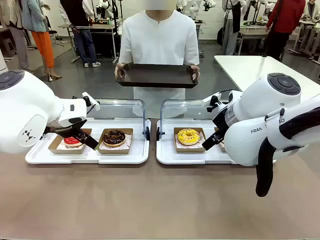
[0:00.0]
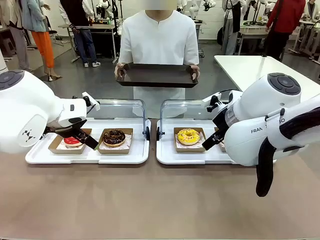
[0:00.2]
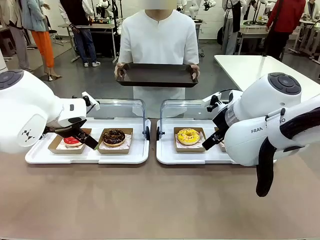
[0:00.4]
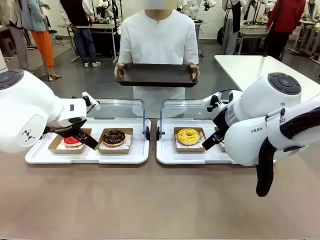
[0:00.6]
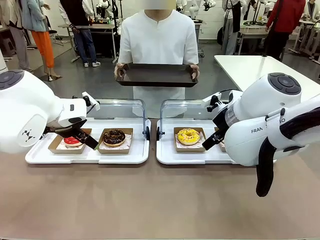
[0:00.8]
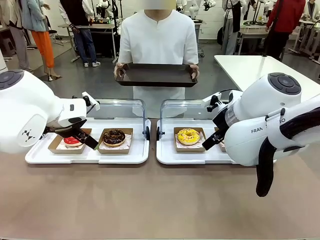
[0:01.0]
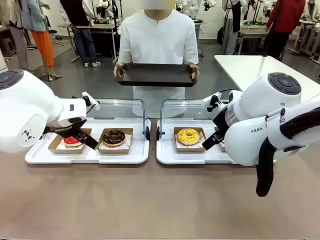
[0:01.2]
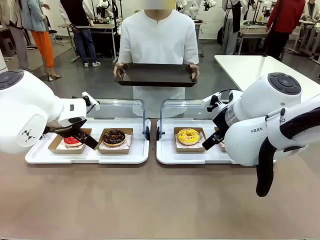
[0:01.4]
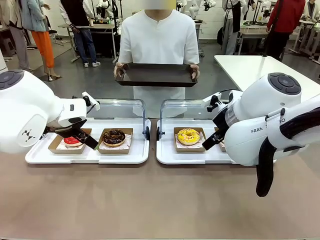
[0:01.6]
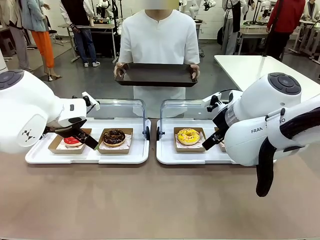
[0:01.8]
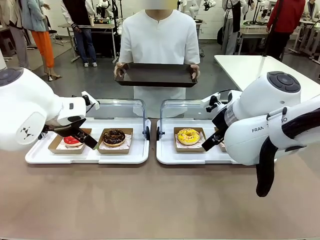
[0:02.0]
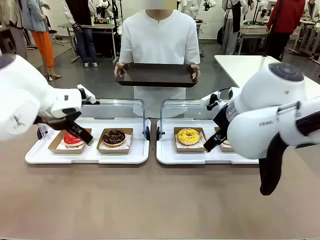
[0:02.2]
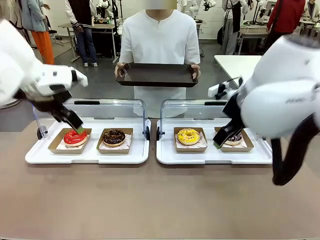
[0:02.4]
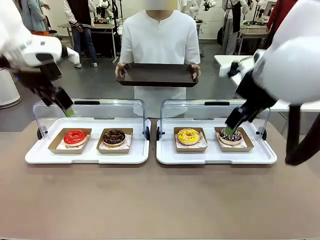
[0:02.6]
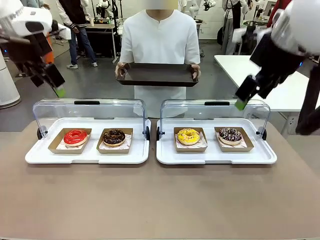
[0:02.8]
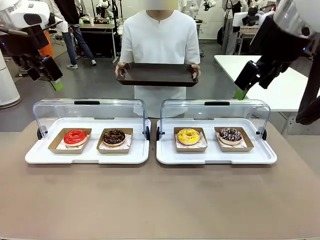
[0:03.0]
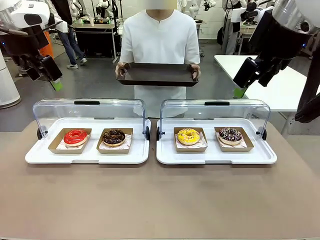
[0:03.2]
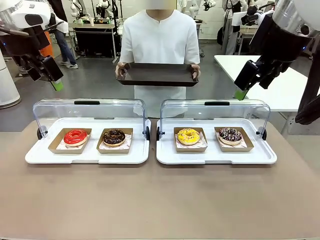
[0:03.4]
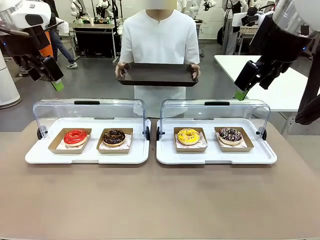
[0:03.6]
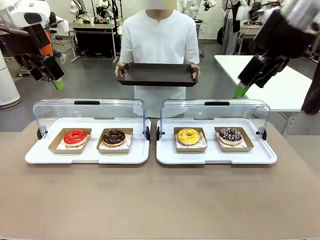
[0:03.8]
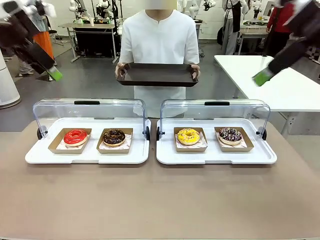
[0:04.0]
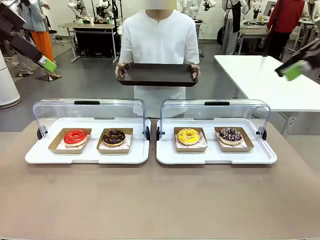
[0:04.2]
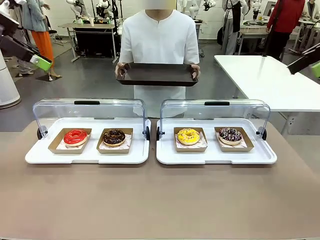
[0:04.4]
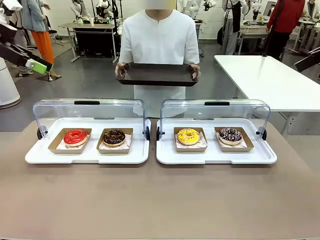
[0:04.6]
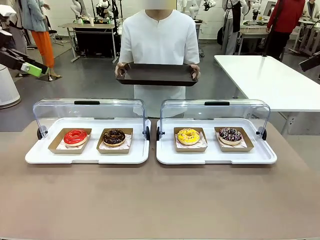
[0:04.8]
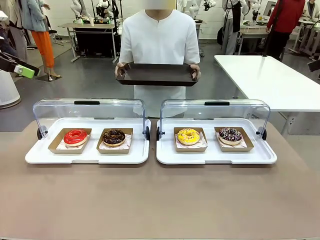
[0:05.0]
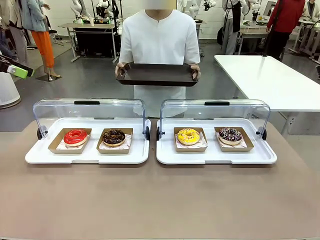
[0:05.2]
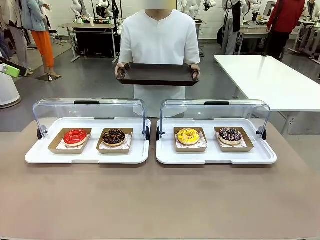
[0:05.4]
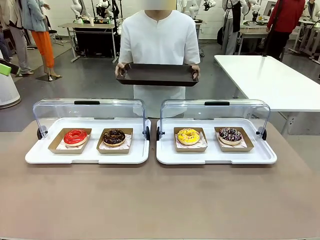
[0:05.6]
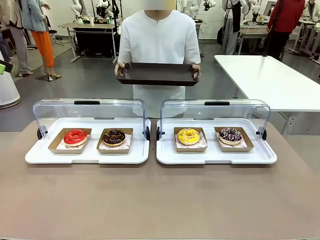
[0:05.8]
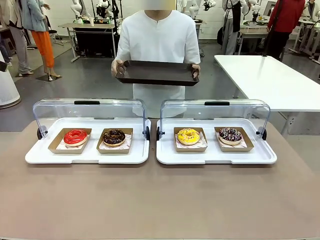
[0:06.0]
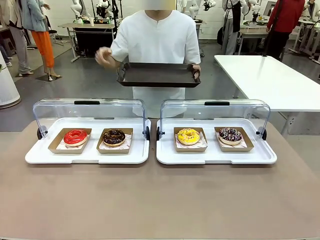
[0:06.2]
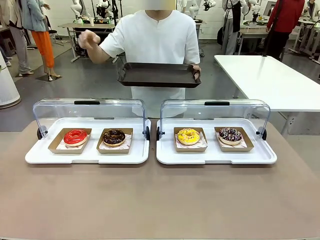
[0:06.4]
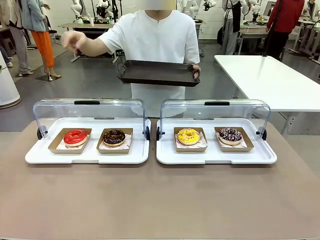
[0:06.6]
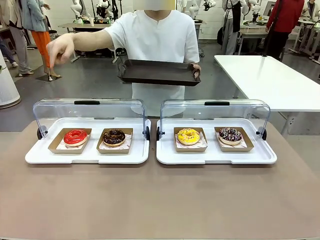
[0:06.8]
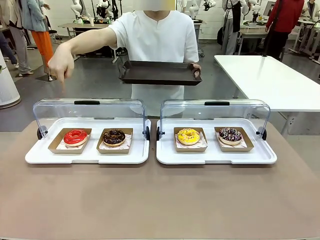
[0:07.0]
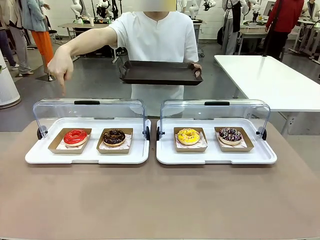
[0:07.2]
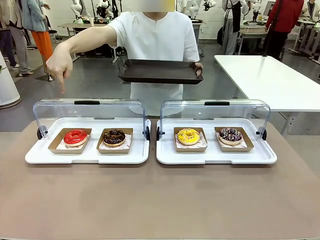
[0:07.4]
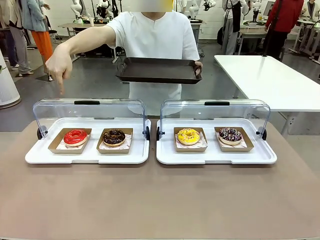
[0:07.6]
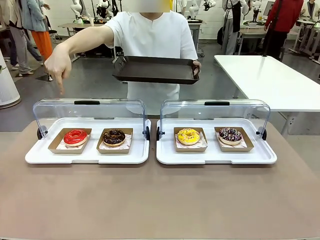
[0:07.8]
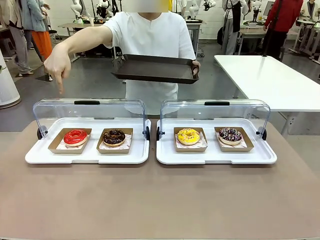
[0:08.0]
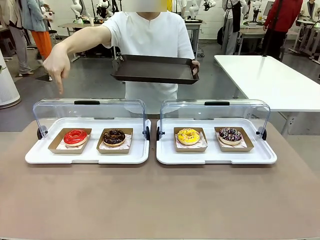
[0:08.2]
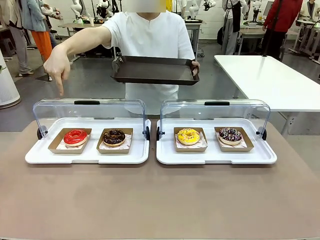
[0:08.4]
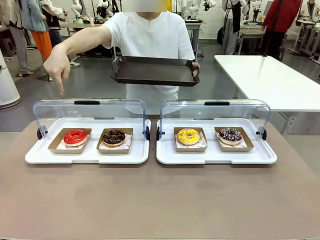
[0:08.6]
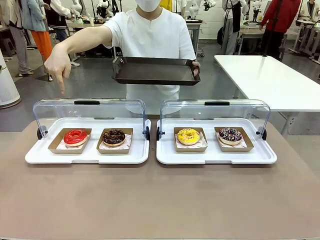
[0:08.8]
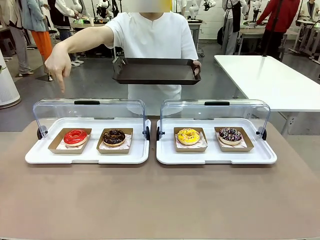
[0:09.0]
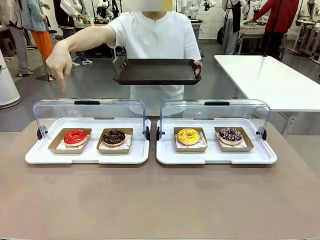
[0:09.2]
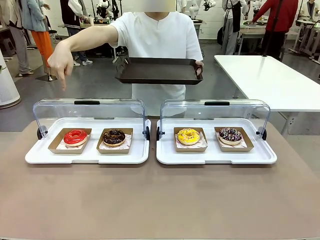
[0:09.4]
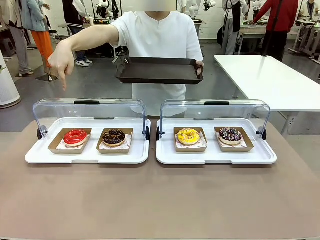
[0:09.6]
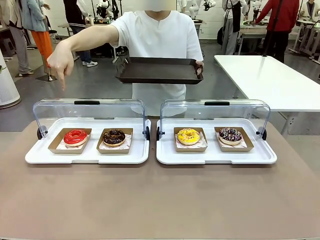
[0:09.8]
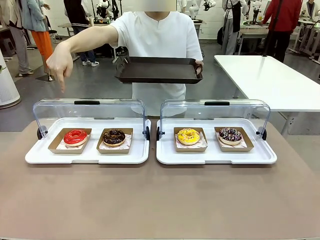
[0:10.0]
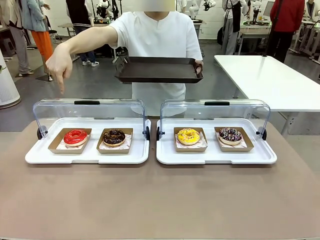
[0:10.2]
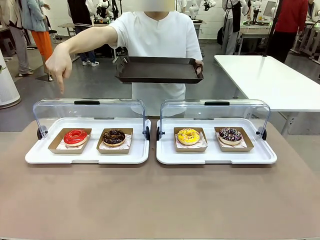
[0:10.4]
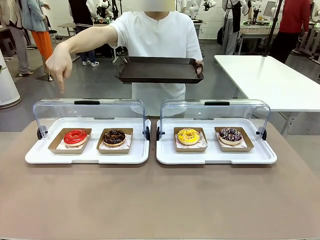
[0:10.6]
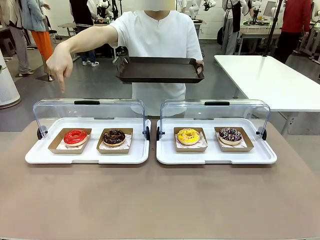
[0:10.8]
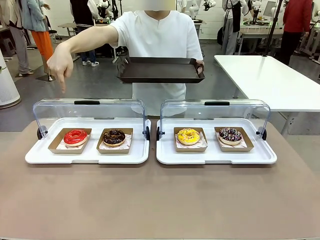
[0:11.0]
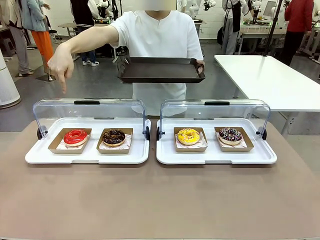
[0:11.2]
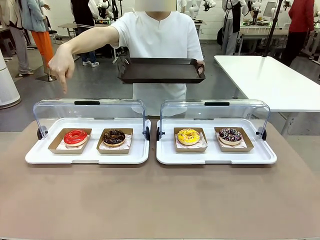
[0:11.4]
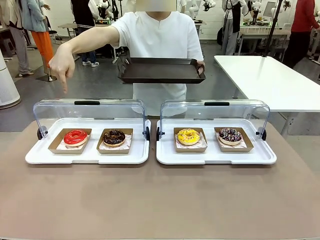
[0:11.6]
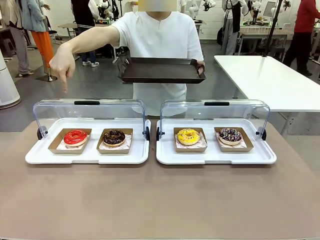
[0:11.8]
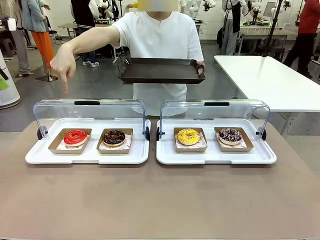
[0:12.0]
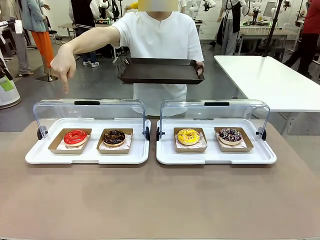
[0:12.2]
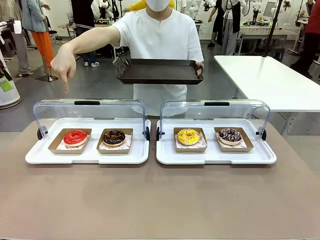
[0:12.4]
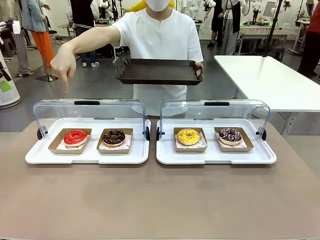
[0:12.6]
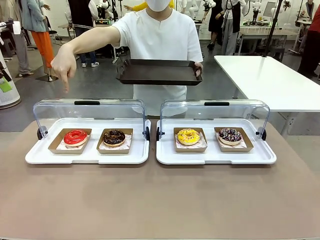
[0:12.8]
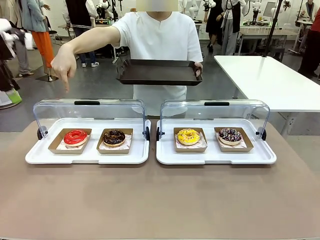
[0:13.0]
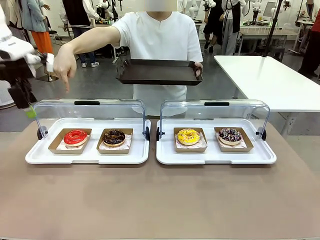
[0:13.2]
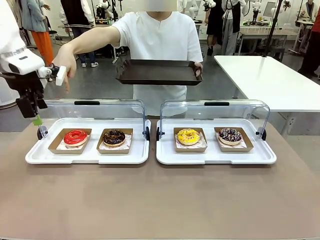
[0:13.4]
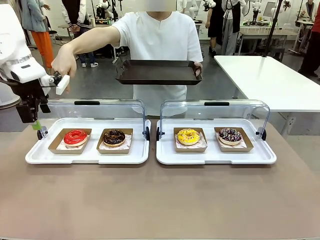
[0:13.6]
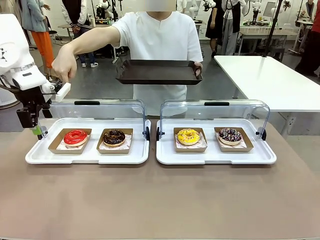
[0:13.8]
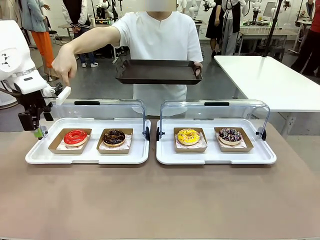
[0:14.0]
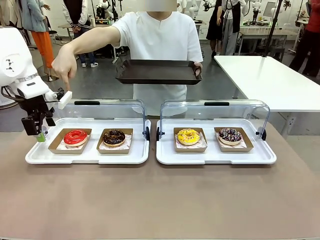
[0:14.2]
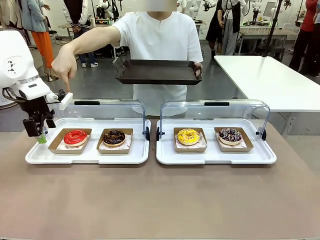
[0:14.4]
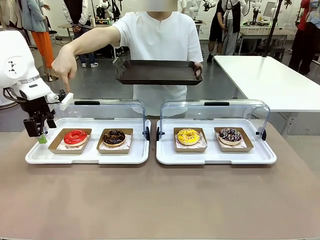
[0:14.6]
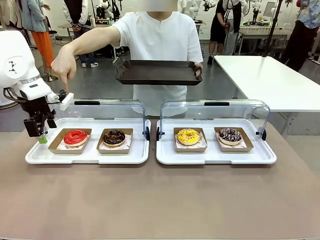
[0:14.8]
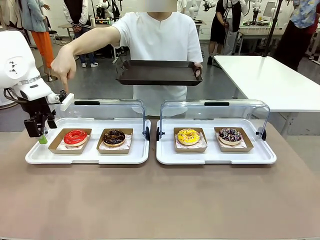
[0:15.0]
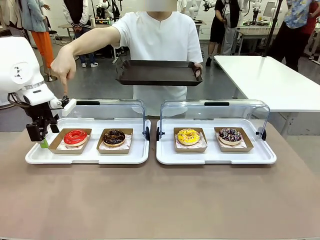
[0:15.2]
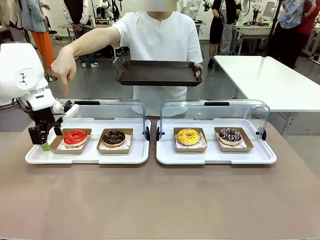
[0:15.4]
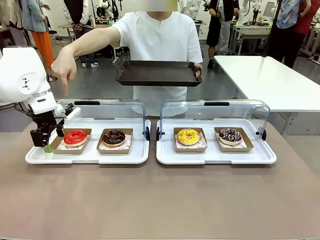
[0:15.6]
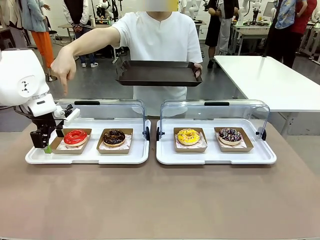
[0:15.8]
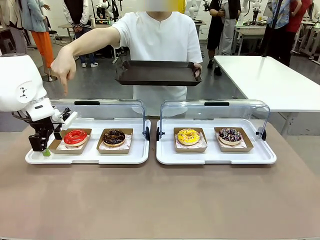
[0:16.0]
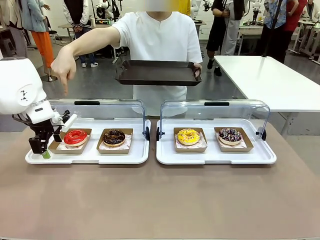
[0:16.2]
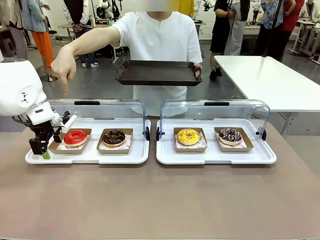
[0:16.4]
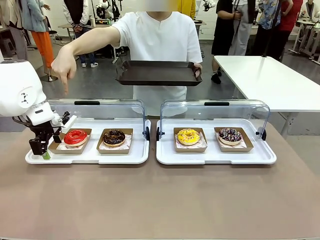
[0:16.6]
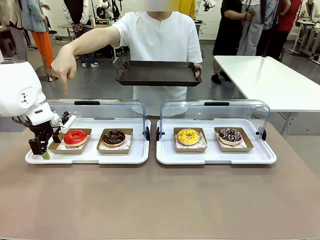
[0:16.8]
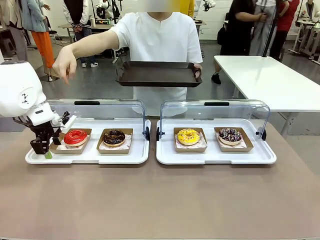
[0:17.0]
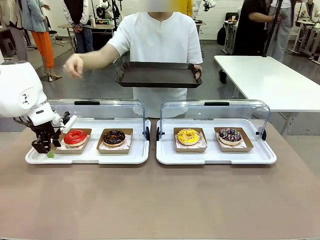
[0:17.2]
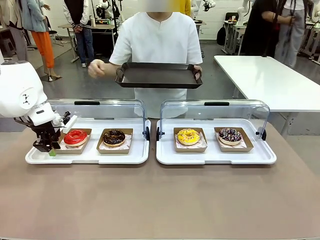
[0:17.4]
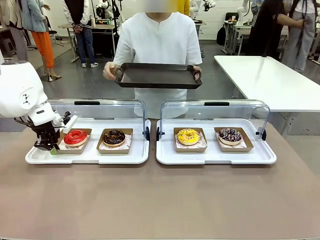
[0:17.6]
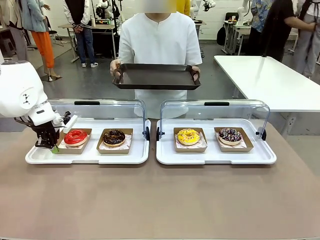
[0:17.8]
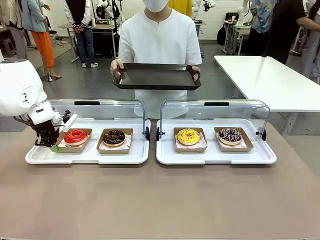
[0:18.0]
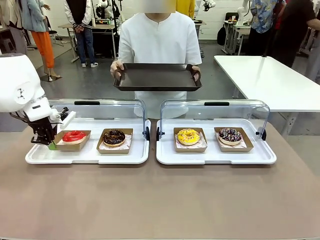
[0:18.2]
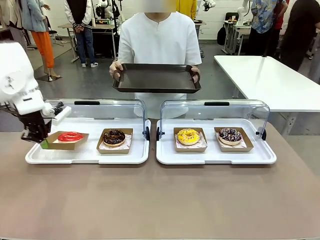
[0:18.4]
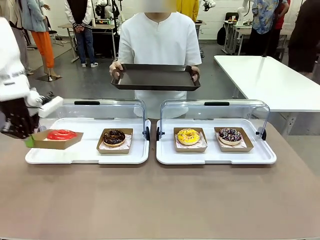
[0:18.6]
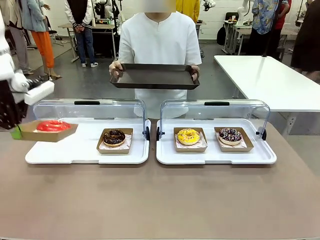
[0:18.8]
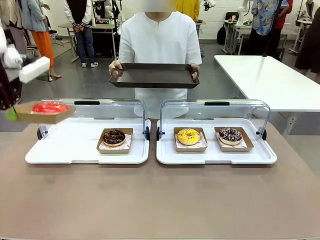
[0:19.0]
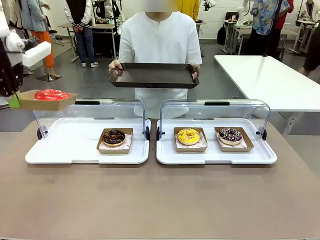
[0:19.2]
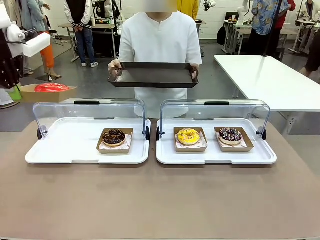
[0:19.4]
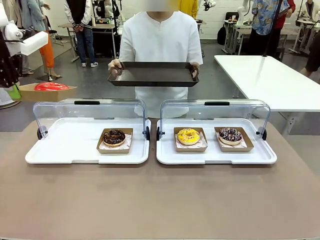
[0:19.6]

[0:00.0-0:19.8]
Task: Provide the desired donut to the person.
Robot: Pick up and lift the Paper togo box containing the Donut pointed at by the person.
Person: Point to one donut. Lift the tray onto the Roll-Top Bakery Case.
